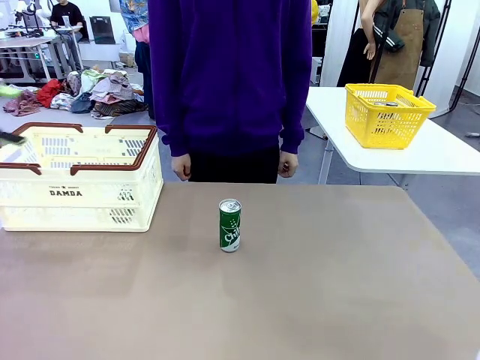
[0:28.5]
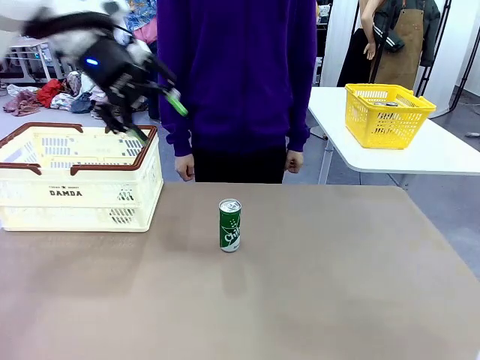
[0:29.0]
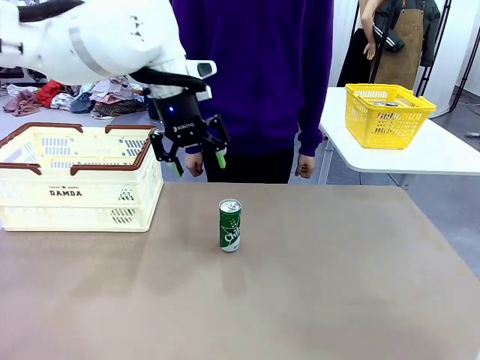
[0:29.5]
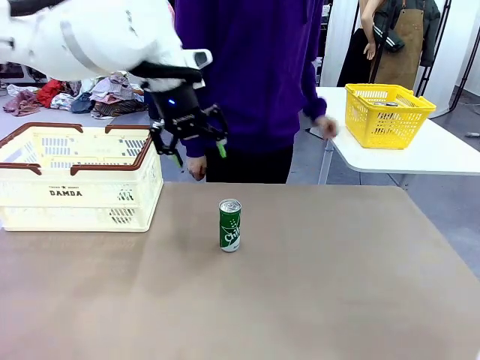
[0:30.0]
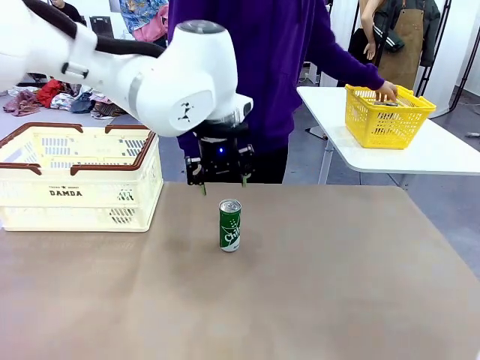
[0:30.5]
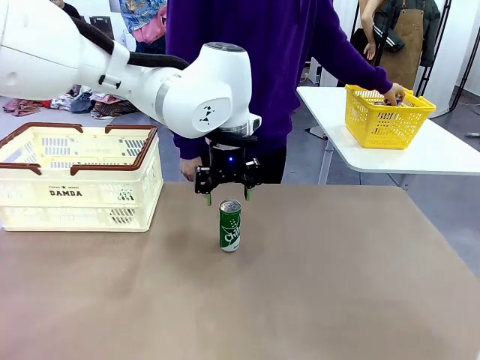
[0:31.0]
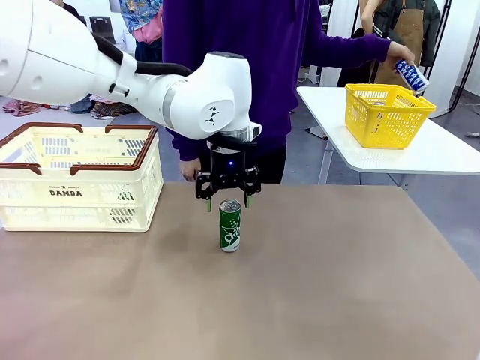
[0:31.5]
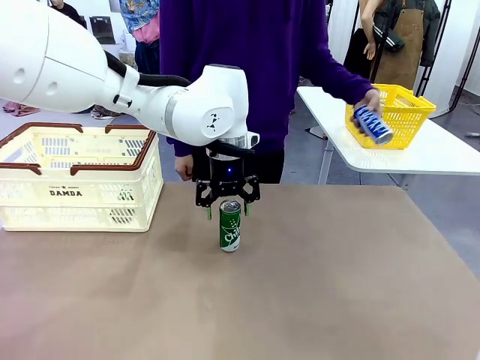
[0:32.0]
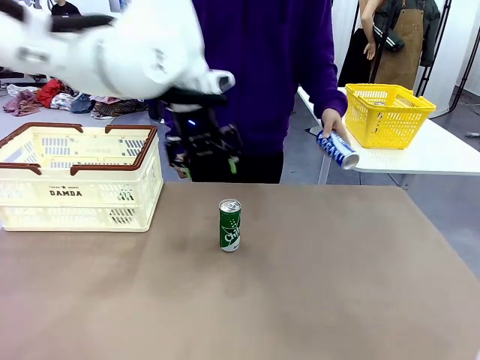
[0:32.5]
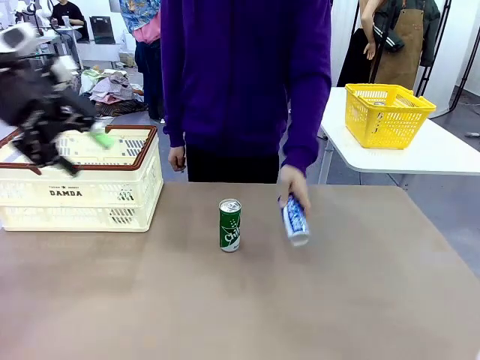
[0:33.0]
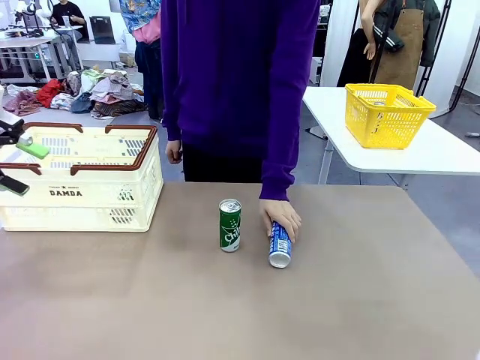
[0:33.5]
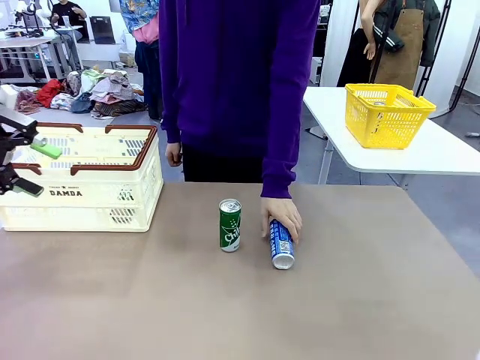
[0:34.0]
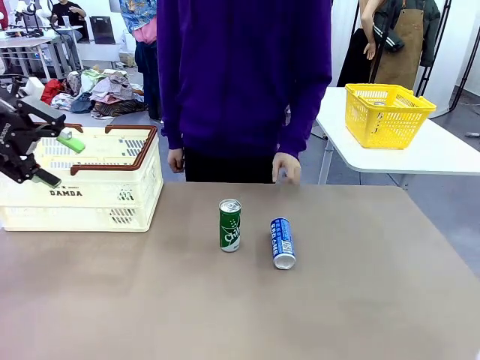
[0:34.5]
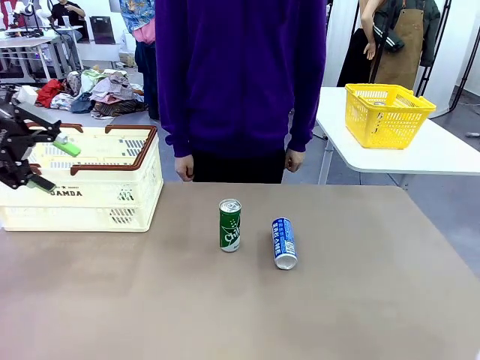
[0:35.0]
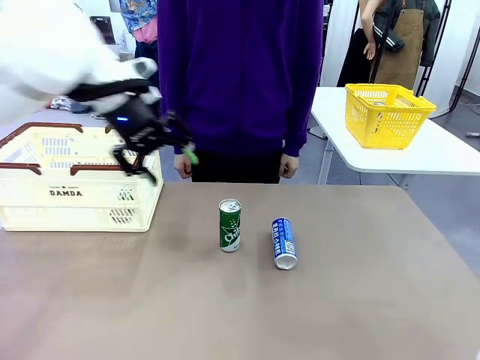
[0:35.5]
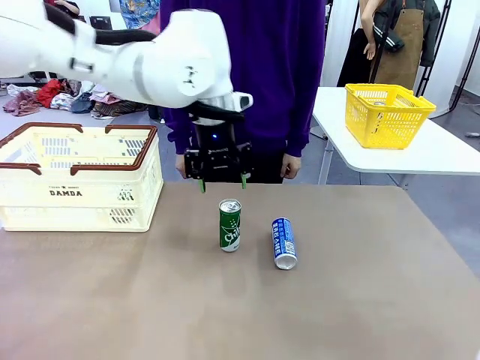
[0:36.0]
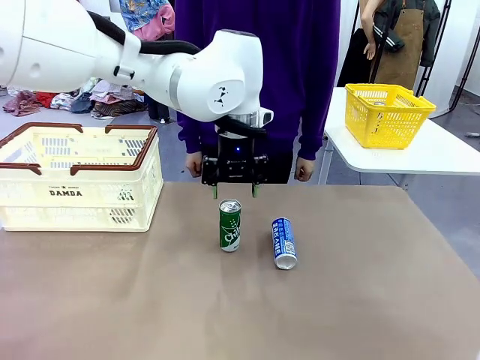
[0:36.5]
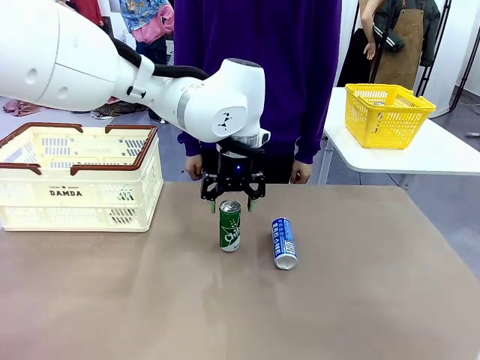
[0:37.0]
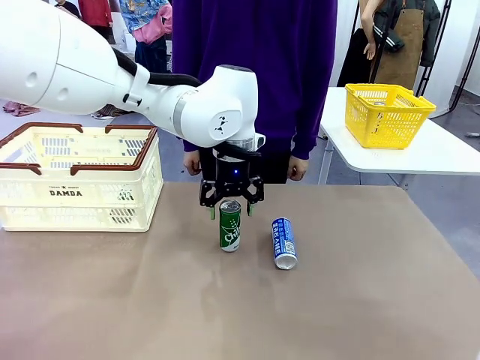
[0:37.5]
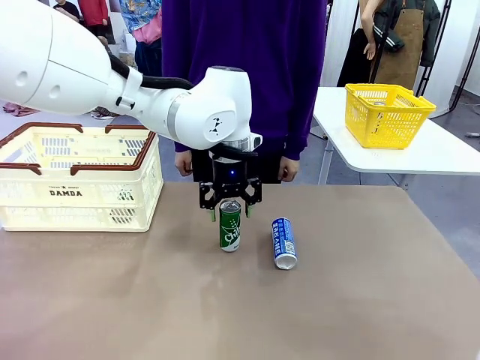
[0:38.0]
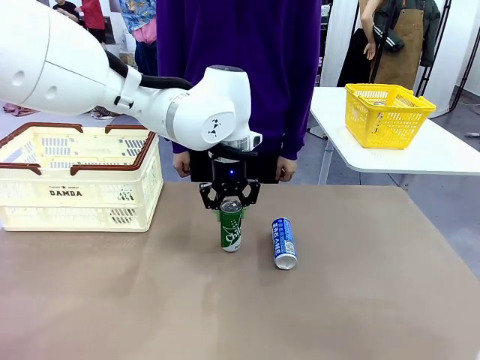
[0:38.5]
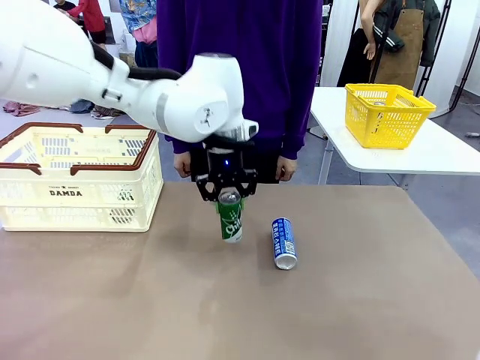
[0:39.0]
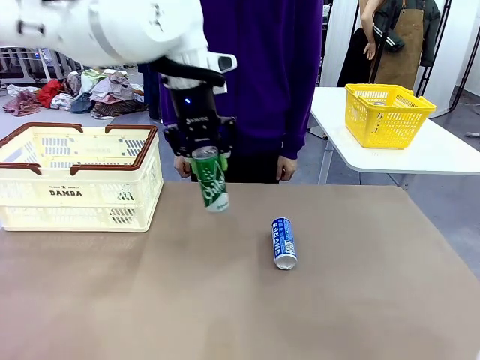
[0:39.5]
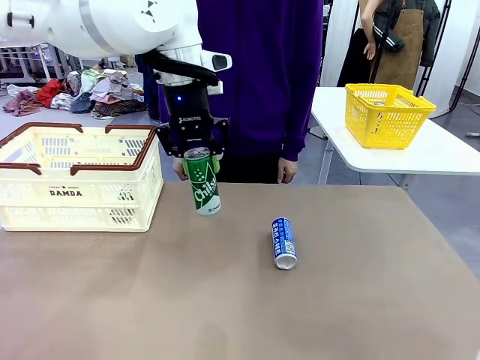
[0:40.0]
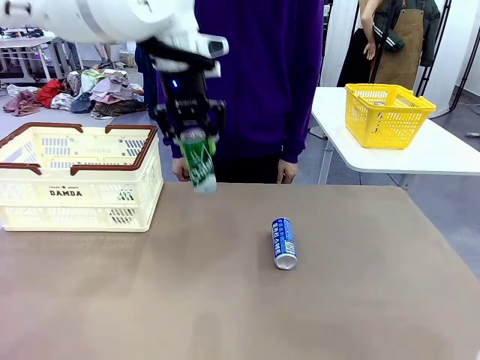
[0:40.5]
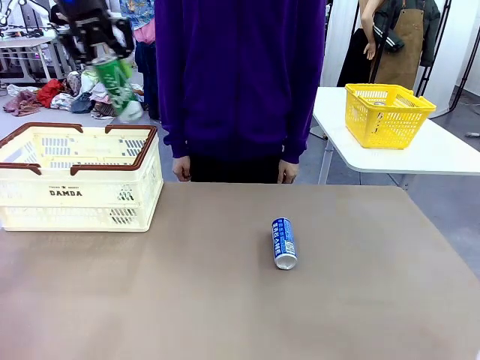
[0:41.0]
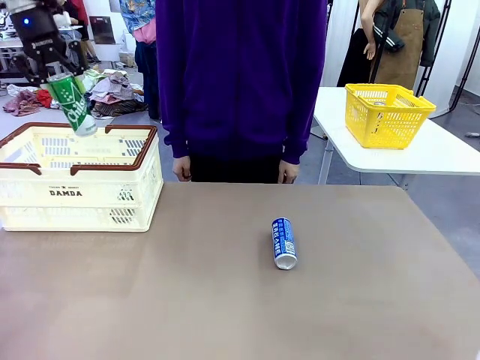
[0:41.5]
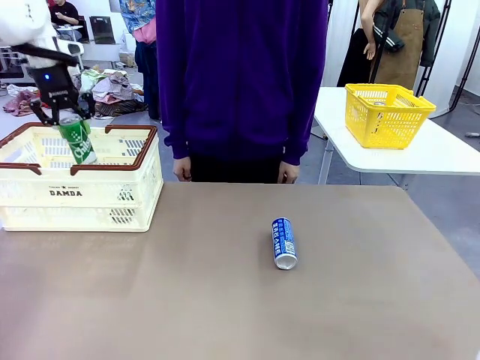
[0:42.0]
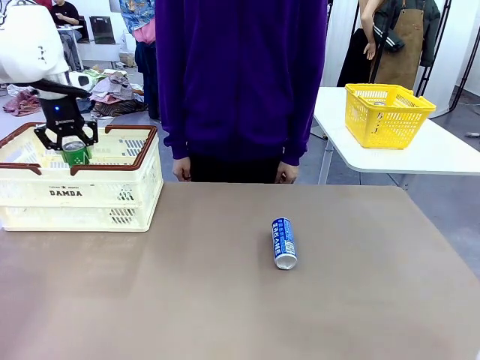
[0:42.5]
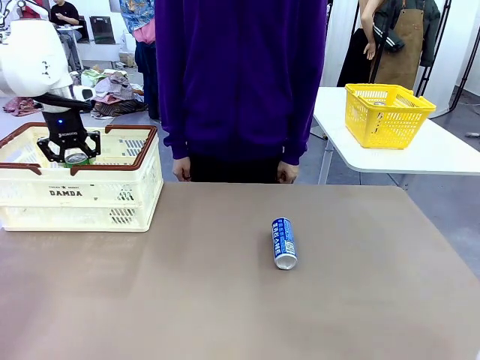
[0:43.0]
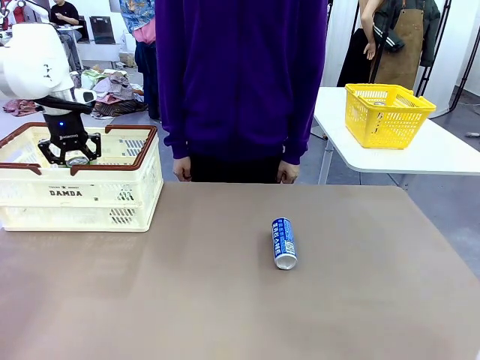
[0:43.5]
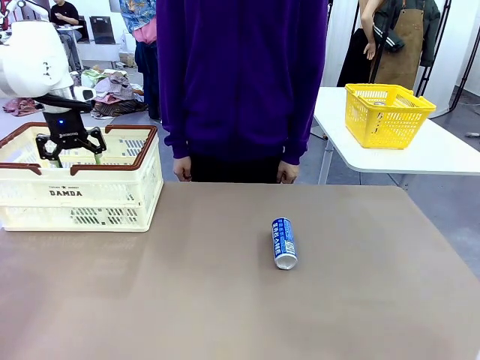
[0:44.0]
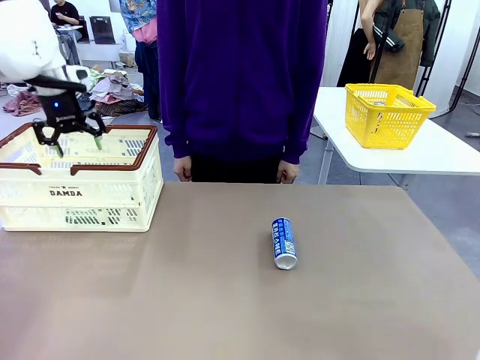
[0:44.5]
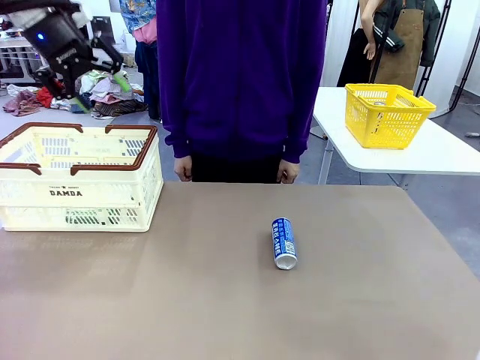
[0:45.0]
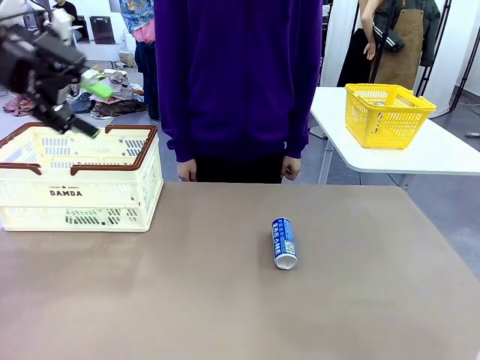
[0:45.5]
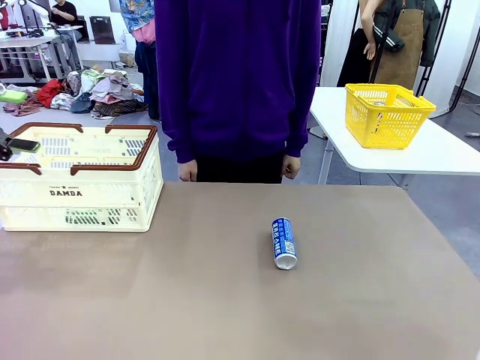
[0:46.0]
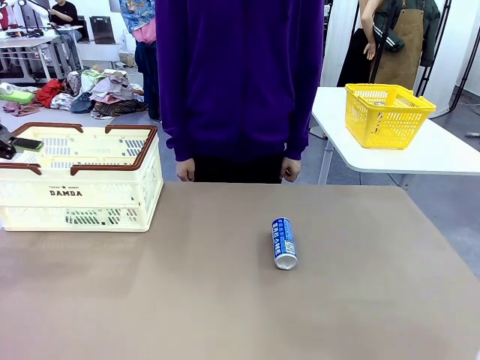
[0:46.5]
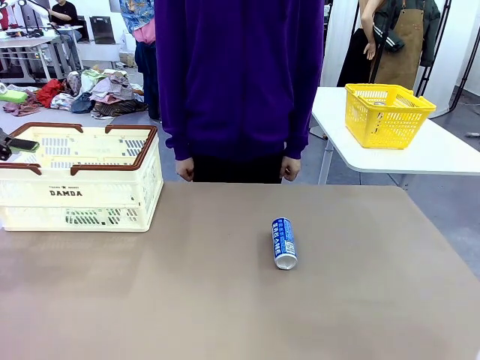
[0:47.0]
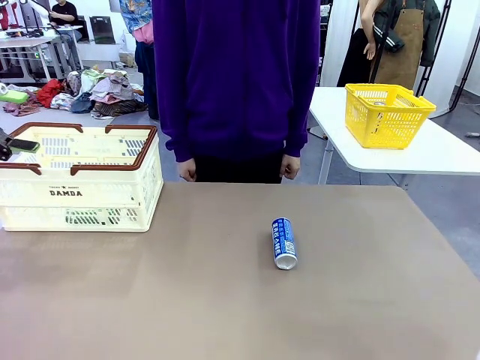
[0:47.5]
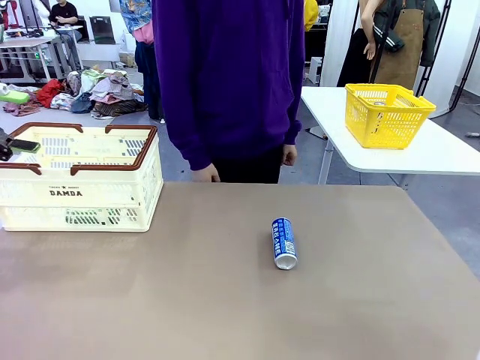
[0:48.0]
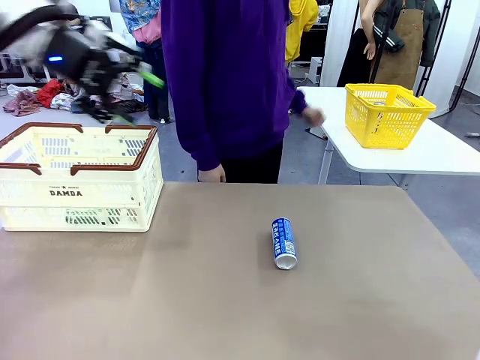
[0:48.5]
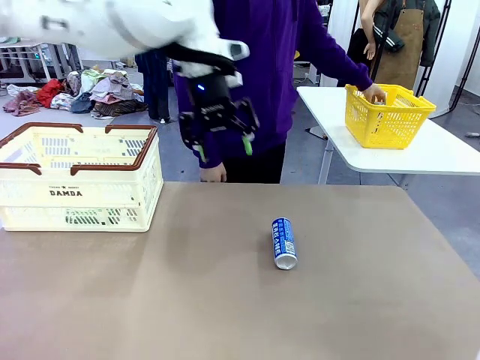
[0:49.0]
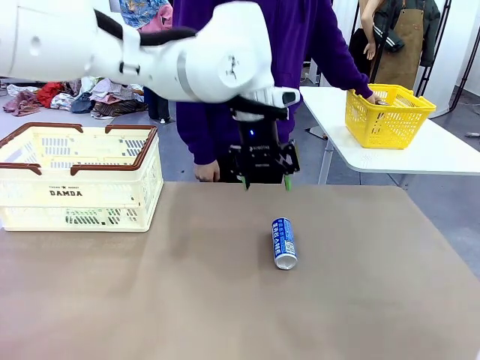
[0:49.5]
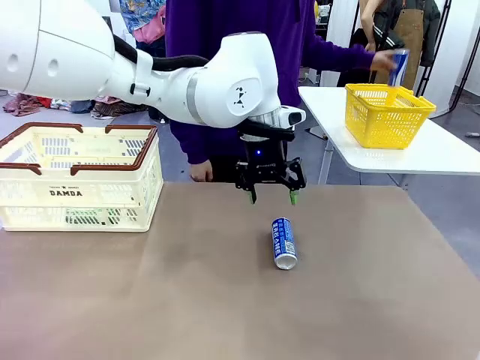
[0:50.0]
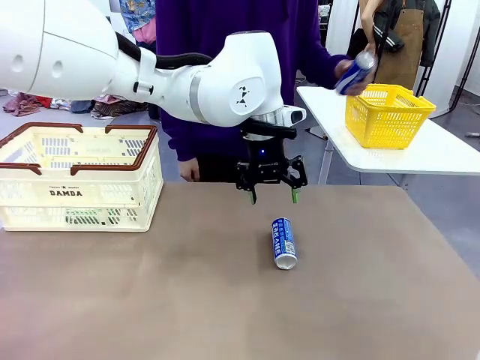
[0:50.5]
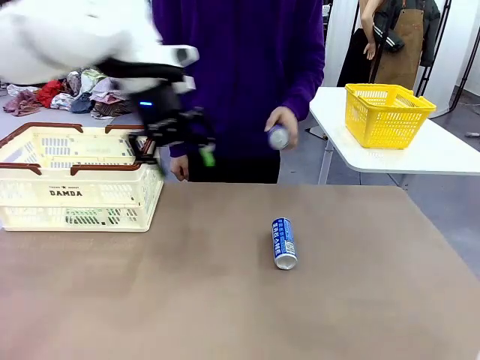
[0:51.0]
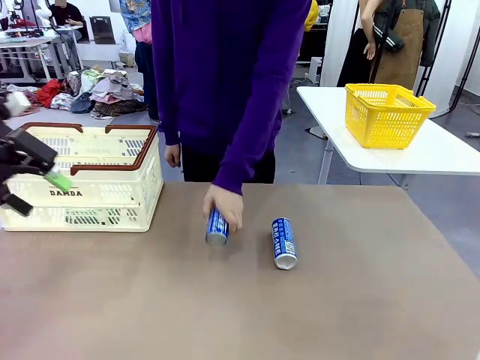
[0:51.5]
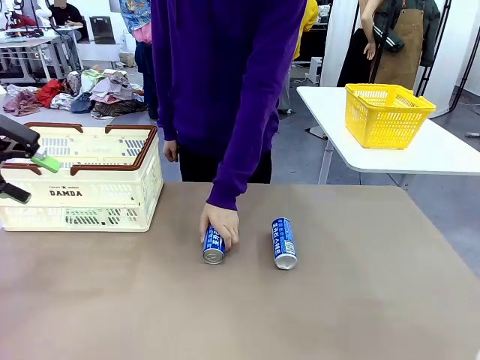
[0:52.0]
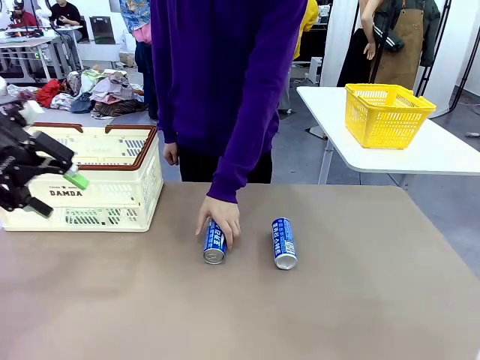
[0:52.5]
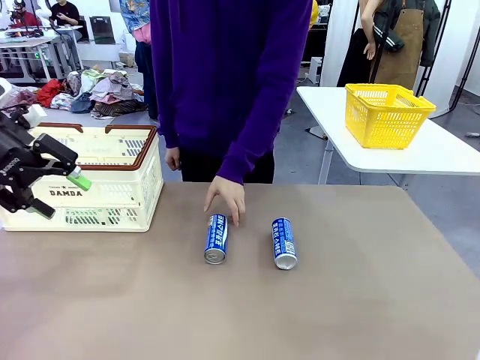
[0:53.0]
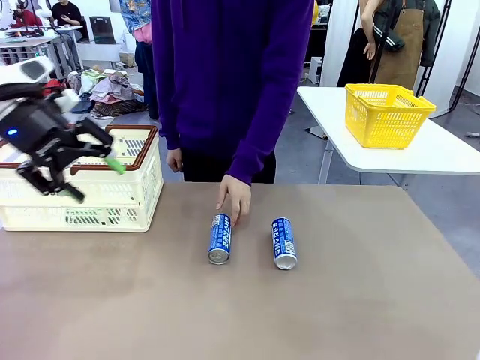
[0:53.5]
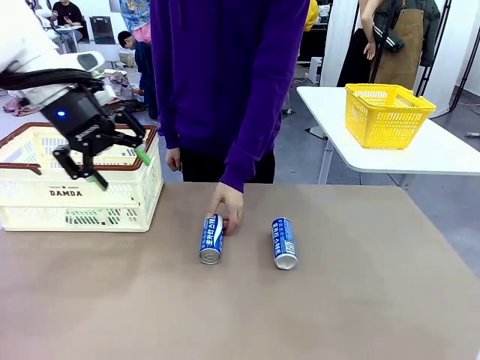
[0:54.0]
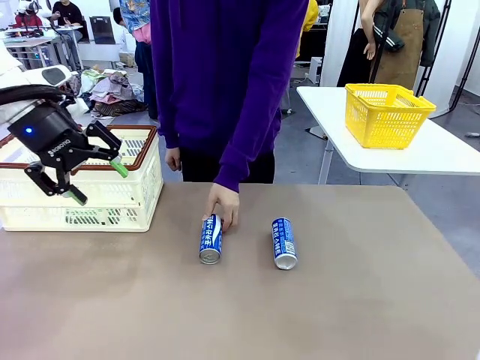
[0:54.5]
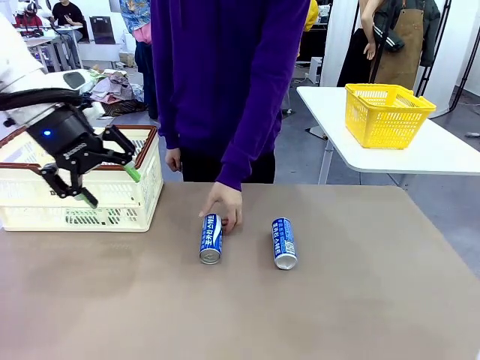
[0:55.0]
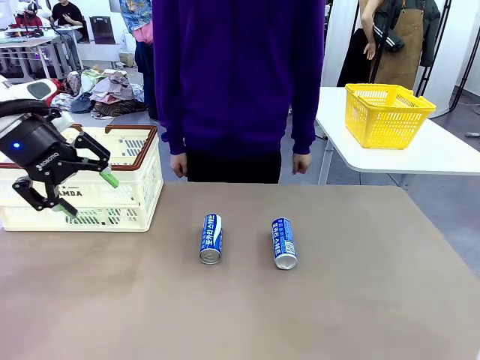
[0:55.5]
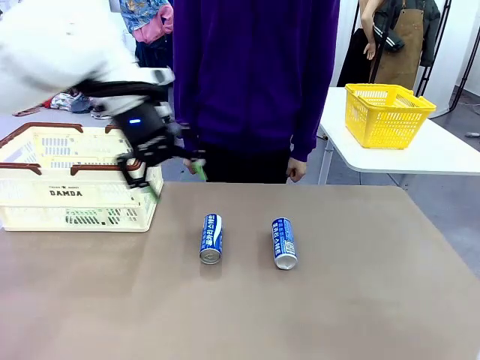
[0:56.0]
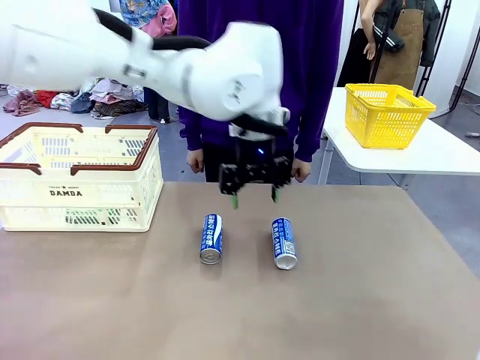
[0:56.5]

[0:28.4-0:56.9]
Task: Place the drinks into the Shopping basket.
Robot: Pick up one drink and place it into the Shopping basket.
